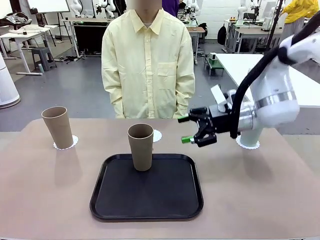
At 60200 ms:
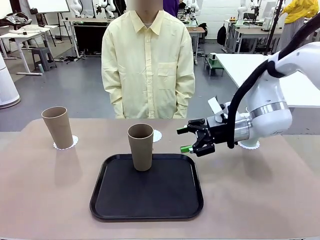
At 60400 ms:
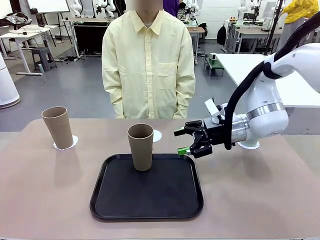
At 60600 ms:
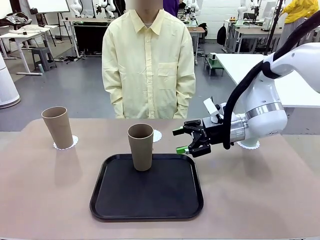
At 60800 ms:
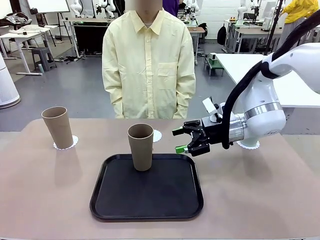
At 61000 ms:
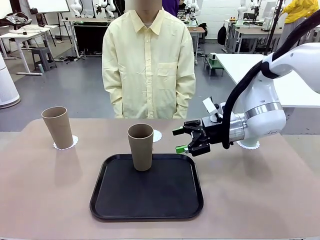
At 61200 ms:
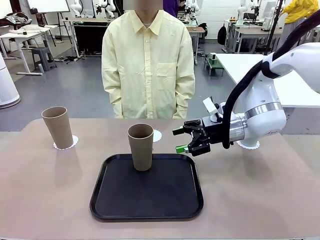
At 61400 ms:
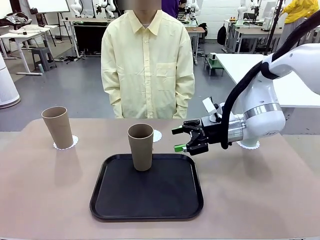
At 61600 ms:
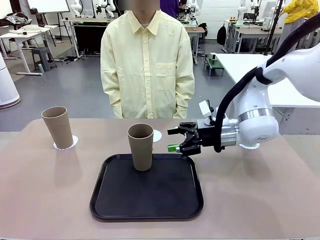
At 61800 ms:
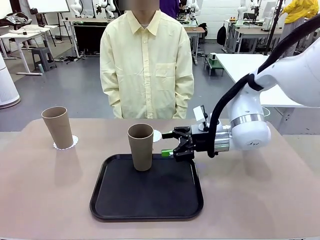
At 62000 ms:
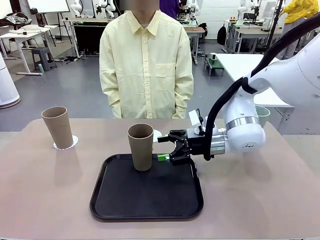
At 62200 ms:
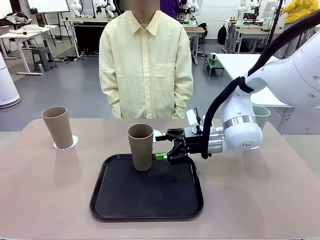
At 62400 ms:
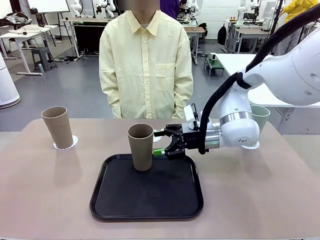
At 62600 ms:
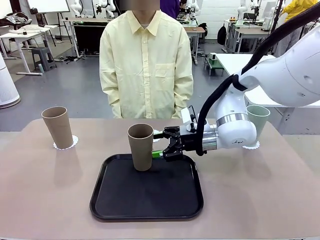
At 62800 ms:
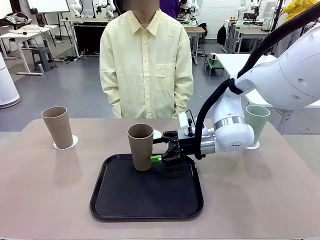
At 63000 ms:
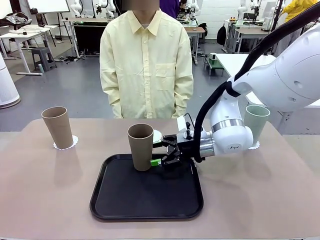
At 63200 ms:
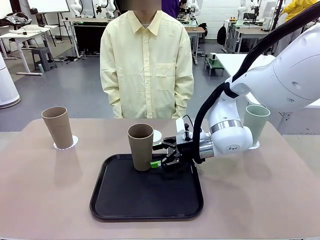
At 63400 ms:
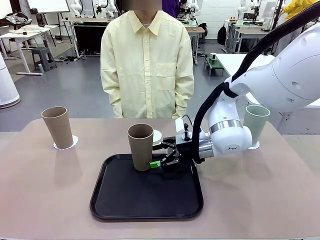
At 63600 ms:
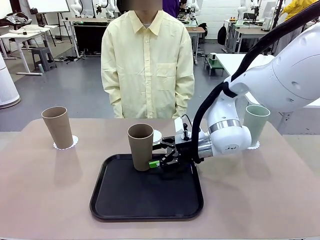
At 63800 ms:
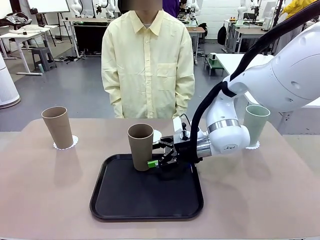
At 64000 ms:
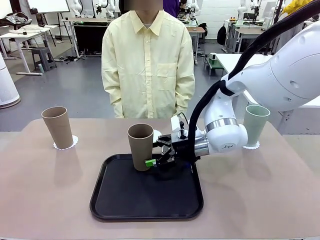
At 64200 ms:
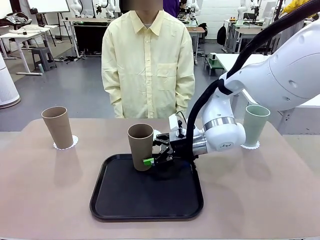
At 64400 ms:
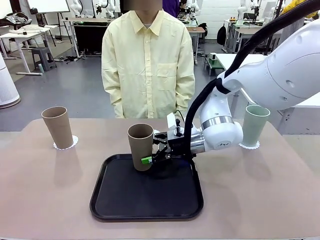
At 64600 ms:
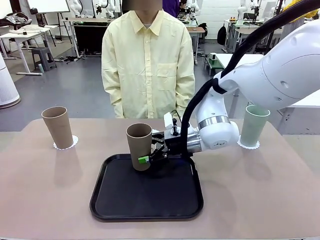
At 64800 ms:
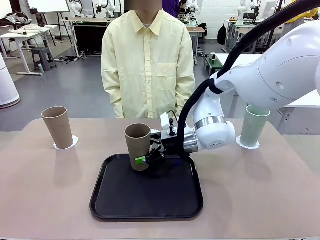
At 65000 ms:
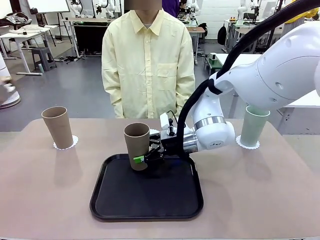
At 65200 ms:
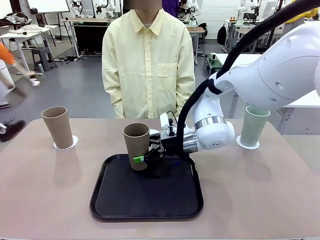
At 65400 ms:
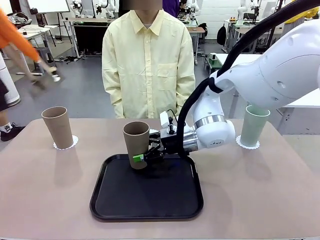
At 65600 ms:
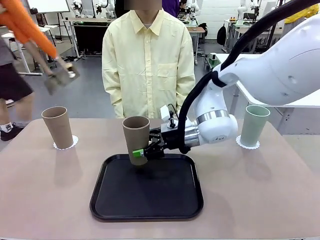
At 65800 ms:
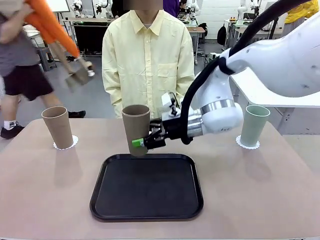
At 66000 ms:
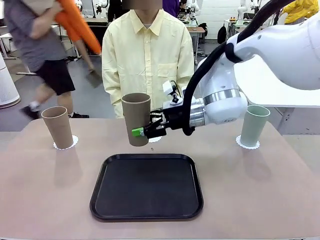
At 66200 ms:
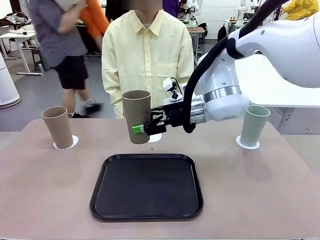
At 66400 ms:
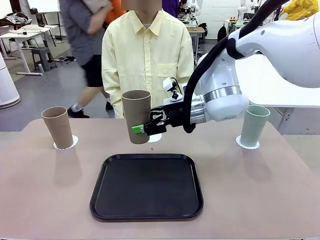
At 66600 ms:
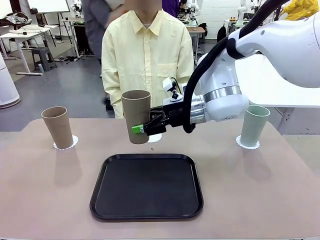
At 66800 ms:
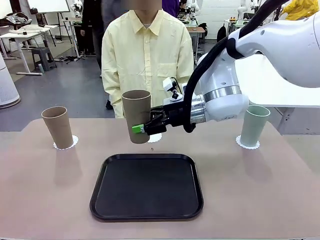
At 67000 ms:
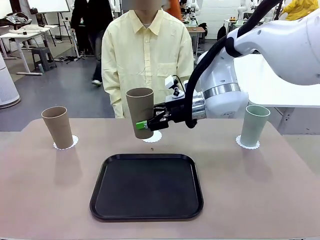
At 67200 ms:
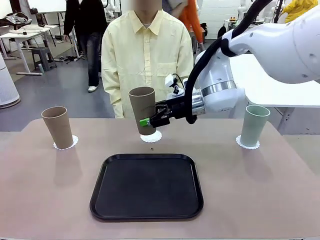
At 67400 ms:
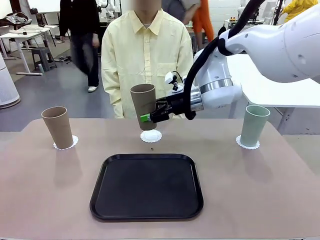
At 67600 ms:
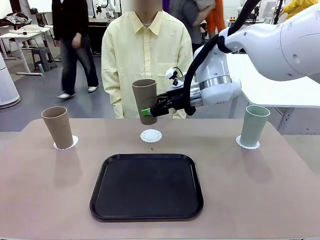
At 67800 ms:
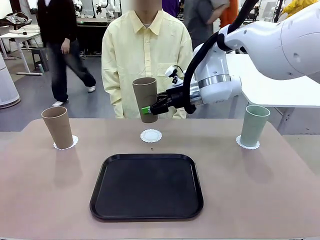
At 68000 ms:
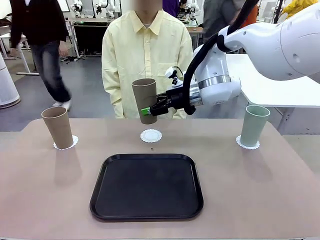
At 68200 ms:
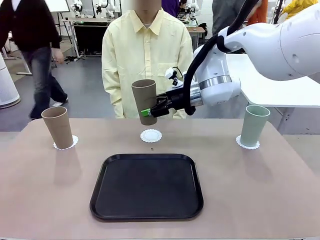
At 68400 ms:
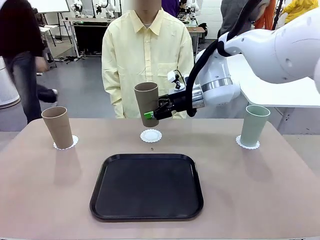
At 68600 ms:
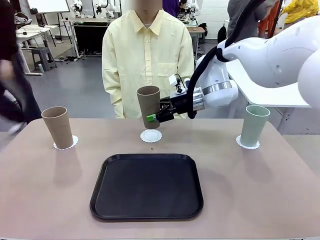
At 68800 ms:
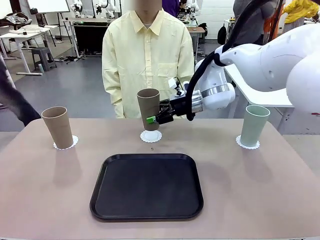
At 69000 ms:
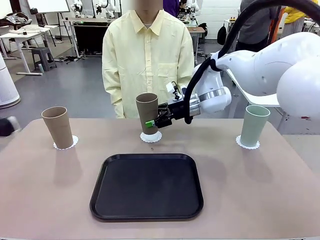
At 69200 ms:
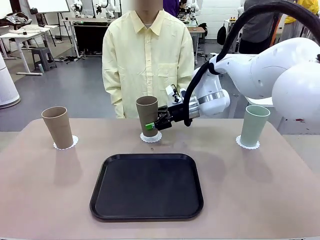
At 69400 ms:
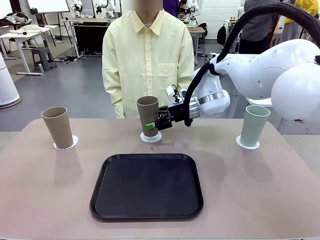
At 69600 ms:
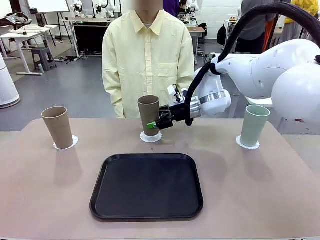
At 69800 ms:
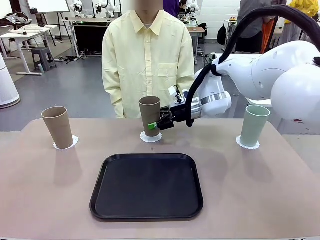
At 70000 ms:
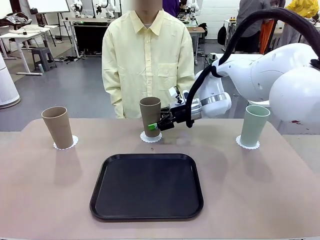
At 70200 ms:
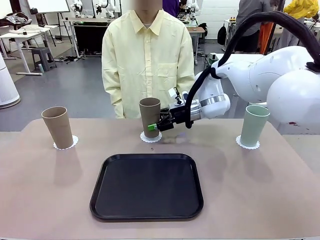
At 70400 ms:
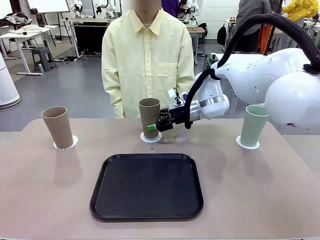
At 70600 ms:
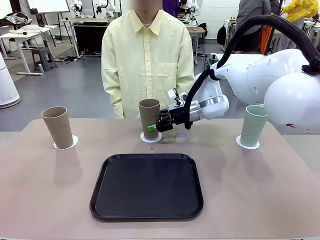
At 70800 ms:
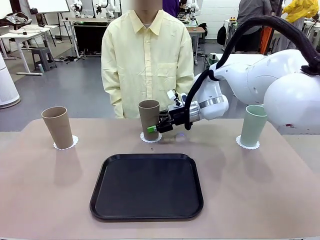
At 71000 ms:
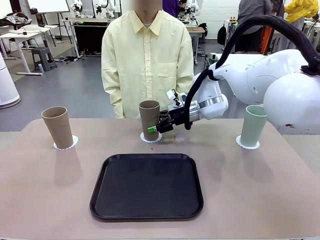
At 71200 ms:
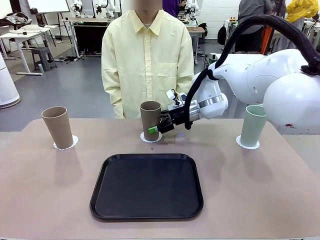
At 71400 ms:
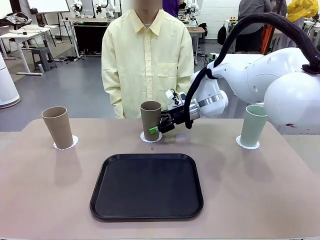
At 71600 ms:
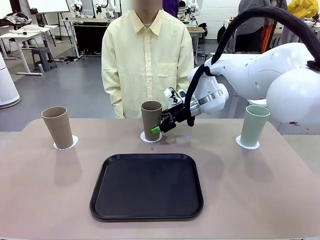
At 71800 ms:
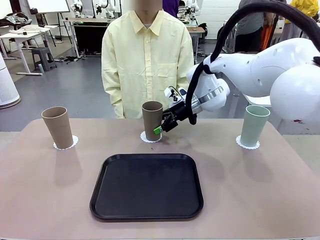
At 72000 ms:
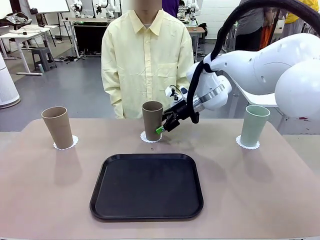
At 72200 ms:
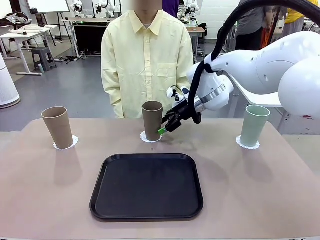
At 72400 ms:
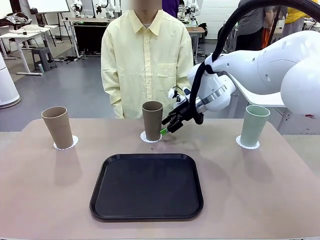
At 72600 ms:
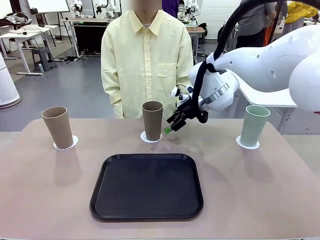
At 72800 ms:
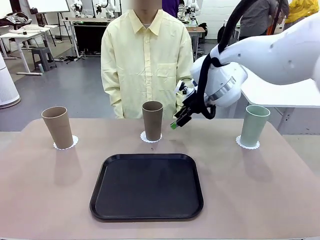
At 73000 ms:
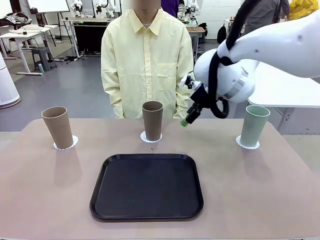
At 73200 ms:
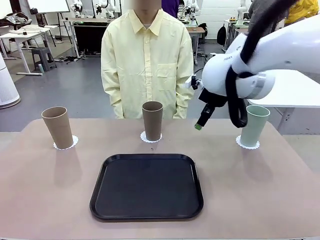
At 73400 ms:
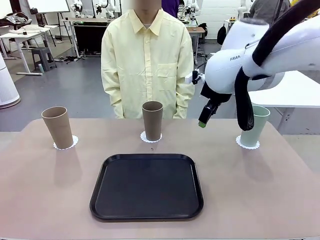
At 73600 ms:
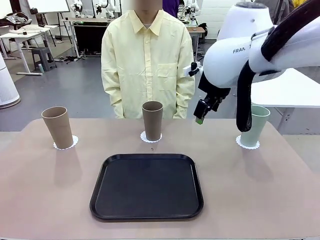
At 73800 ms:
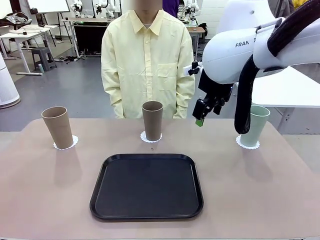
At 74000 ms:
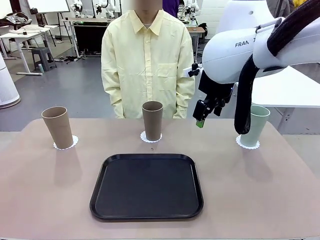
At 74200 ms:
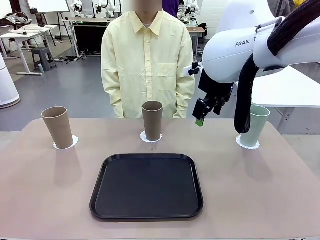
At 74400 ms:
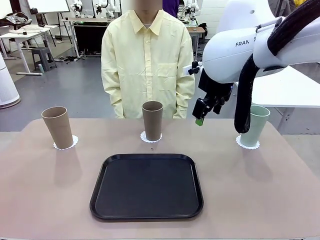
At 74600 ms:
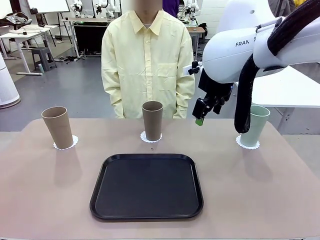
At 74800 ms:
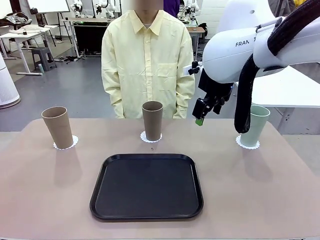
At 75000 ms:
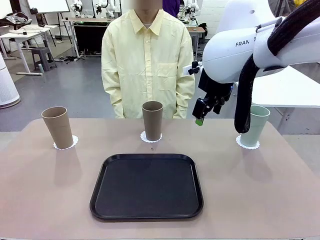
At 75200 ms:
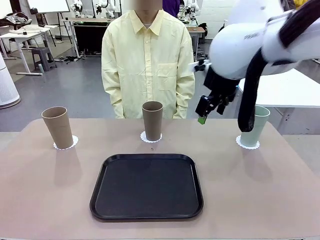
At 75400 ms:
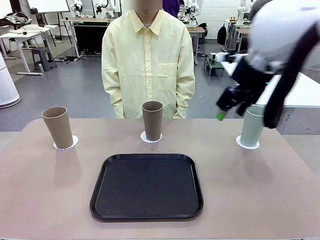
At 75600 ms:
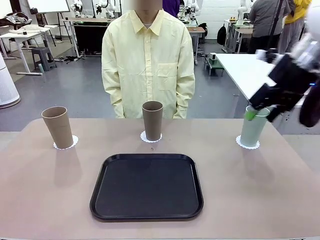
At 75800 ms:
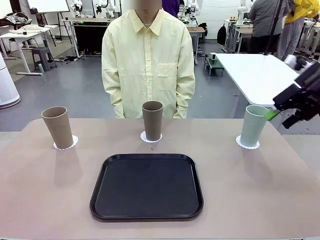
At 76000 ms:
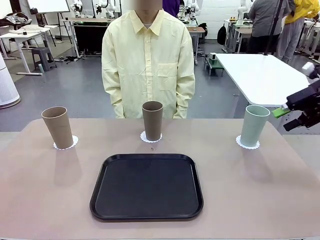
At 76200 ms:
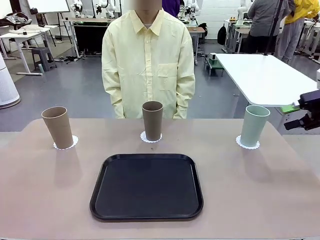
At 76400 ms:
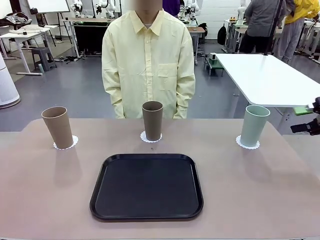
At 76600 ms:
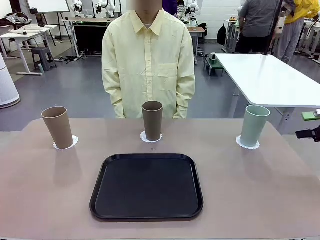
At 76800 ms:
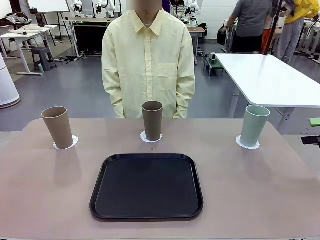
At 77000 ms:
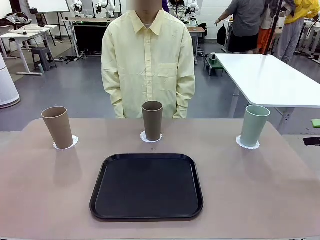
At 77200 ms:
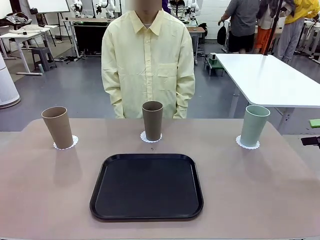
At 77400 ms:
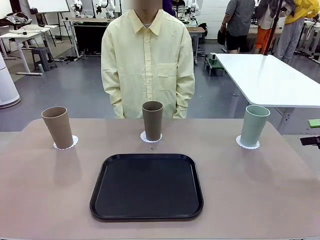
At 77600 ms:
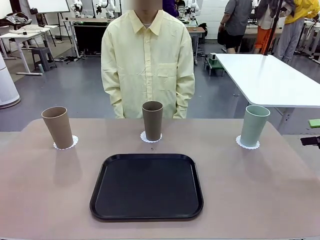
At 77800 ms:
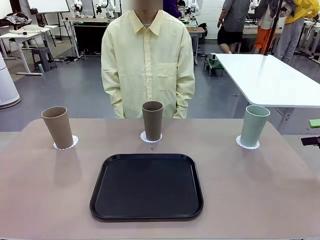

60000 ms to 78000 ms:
Task: Place coasters on the table and set cups on them.
Robot: Take one Reusable plastic cup from the Flat Tray and place it on a coaster set by the human.
